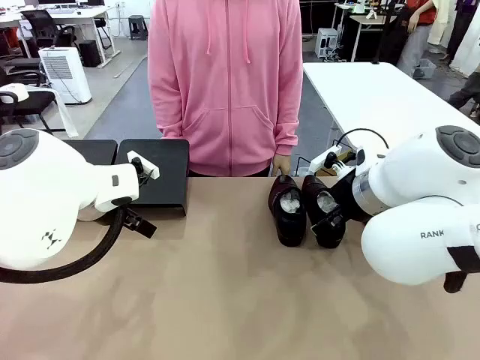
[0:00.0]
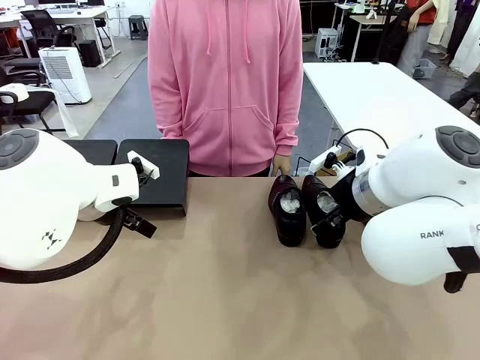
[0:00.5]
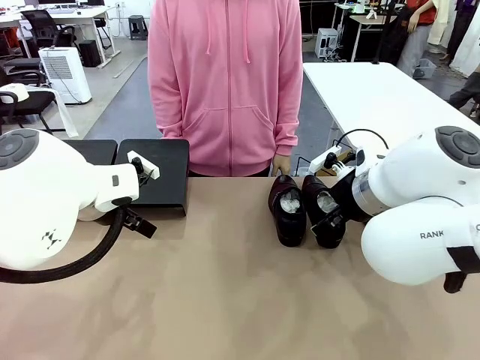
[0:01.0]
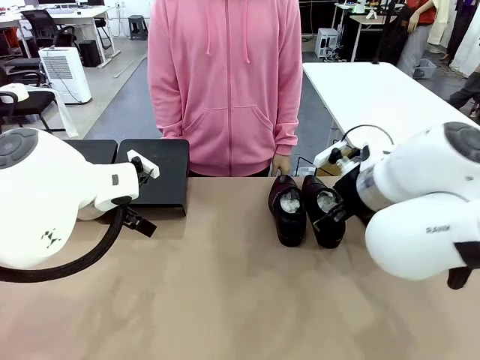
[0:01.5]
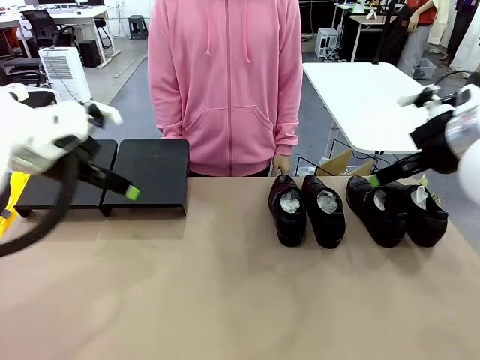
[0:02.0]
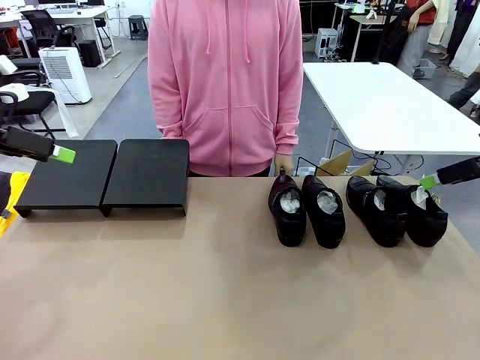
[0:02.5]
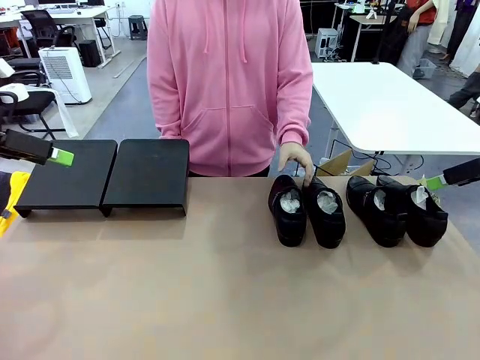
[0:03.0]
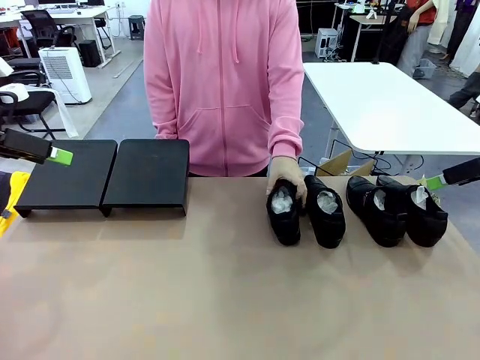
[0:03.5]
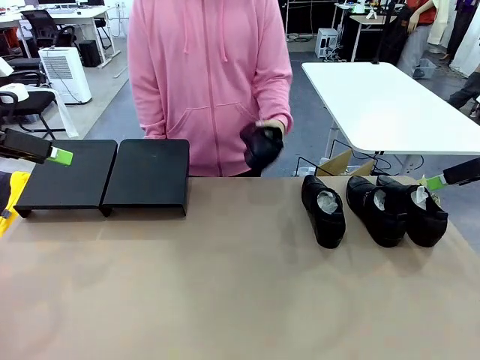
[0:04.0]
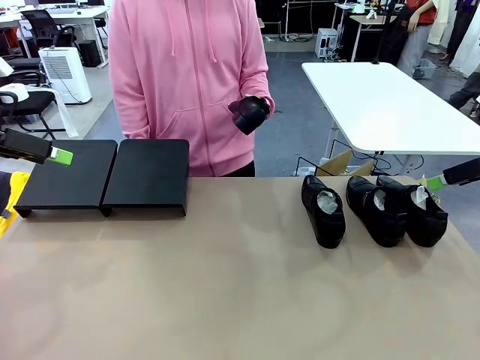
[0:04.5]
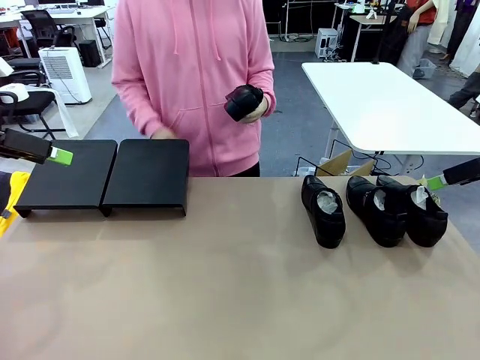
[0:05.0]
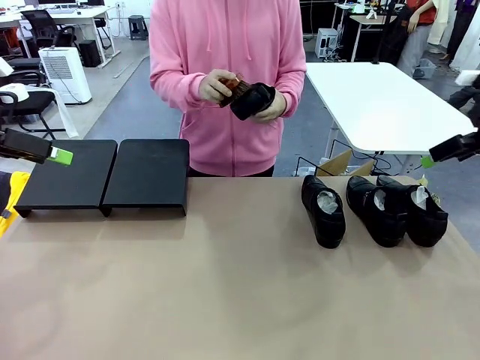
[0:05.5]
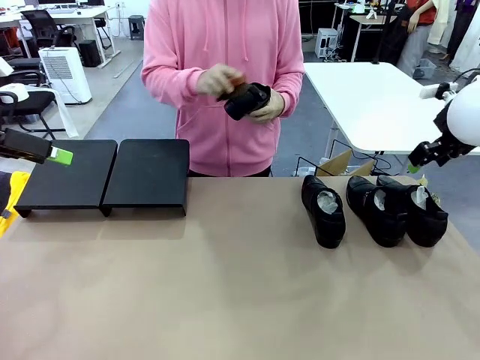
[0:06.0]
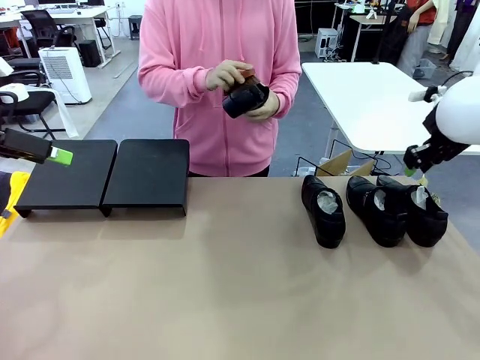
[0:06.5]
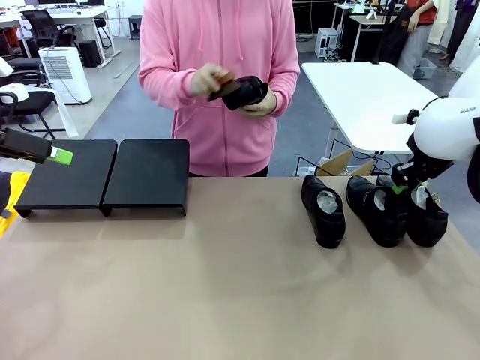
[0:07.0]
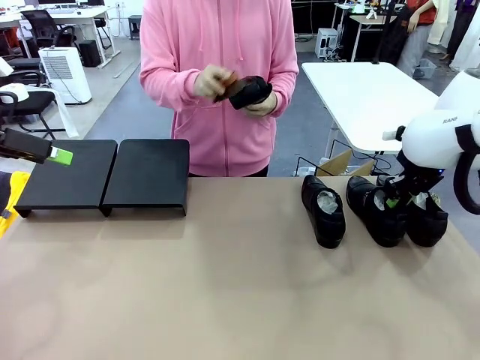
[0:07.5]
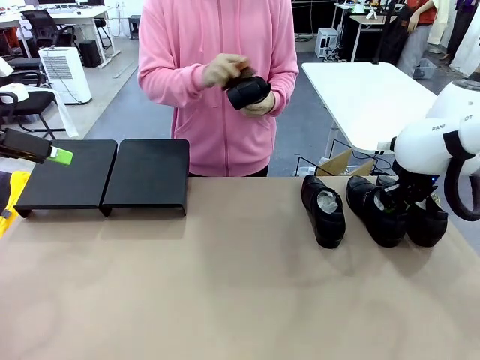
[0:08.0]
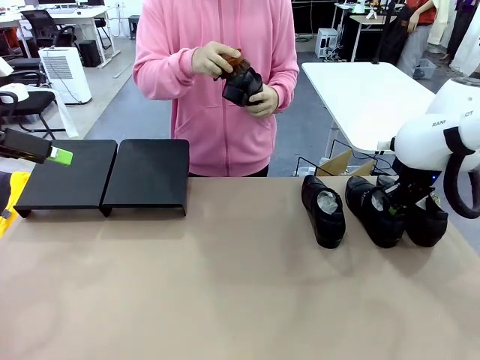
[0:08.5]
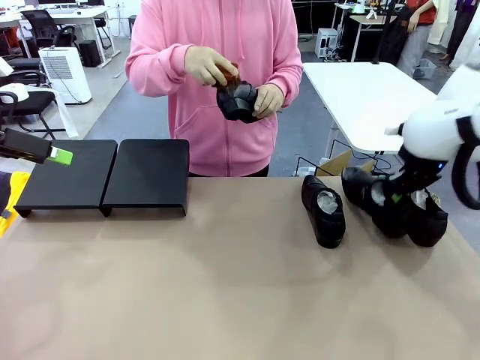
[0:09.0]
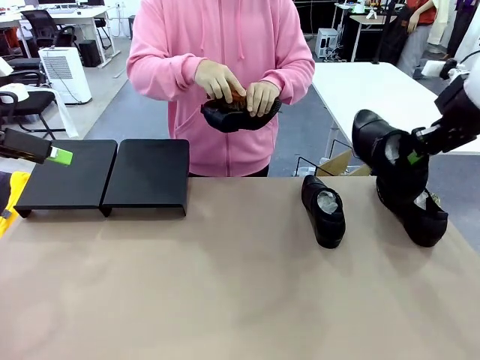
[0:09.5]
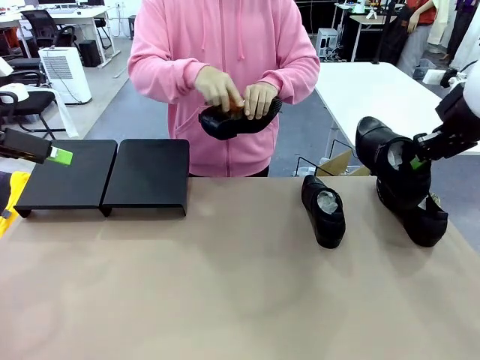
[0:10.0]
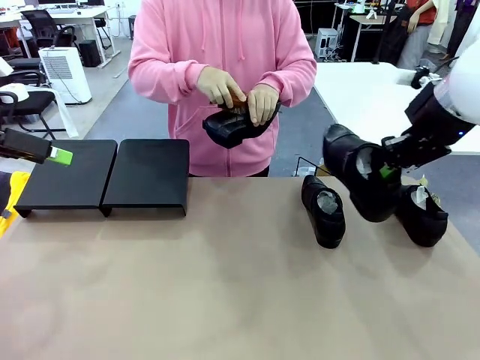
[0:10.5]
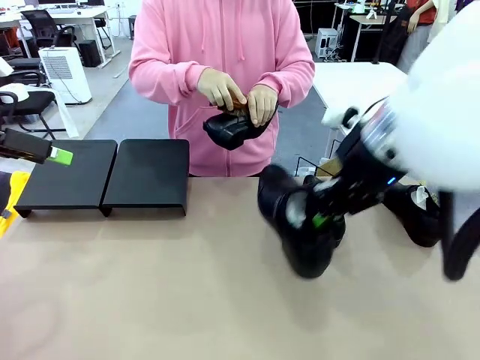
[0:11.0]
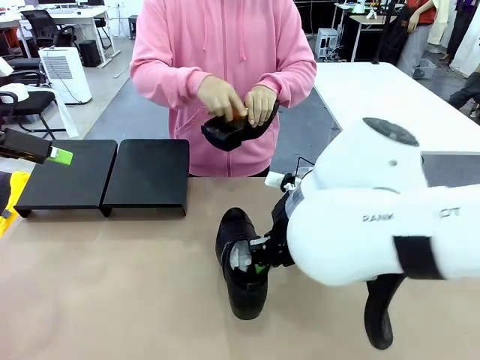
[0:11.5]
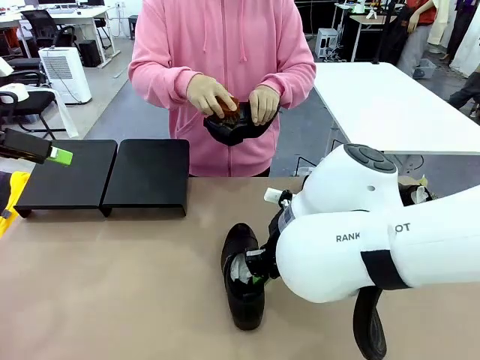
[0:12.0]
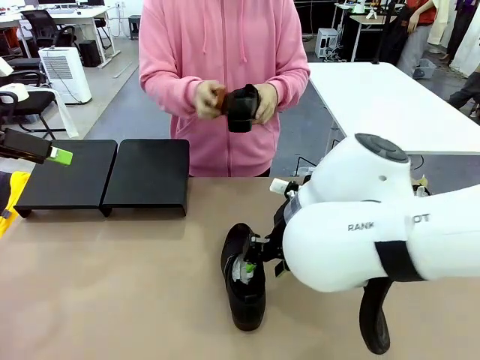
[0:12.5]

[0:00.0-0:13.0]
Task: Organize the shoes by placing them on the stand.
Robot: Pick up one Shoe and place it in the middle of the table.
Person: Pick one Shoe on Robot's table.

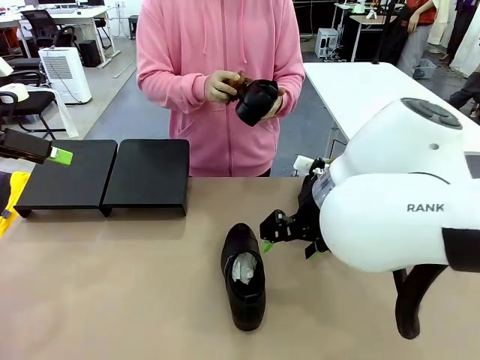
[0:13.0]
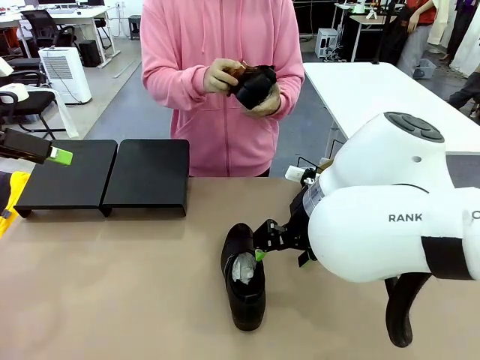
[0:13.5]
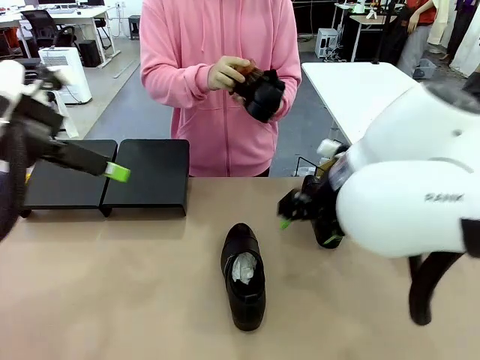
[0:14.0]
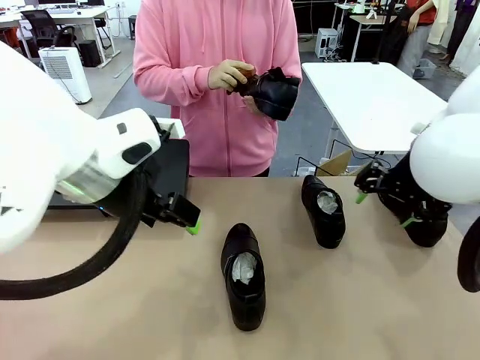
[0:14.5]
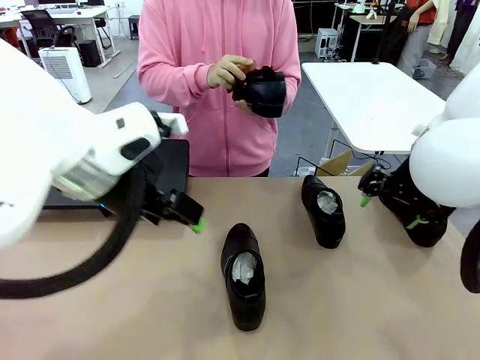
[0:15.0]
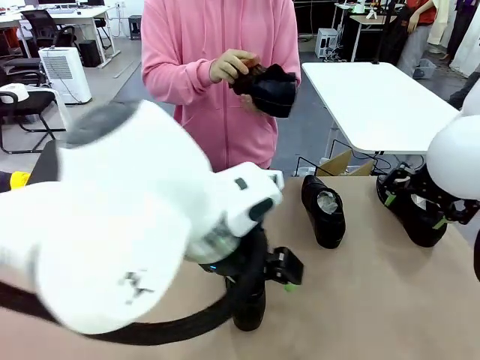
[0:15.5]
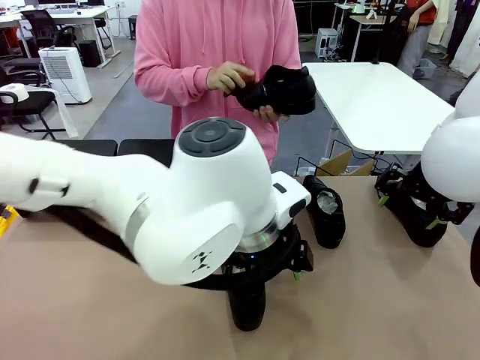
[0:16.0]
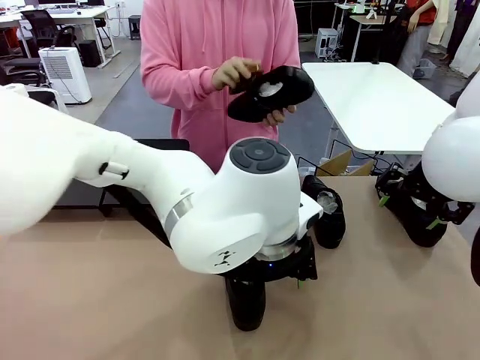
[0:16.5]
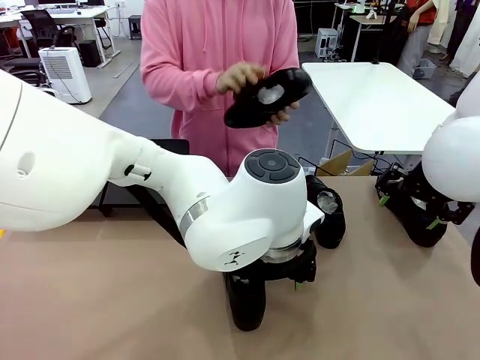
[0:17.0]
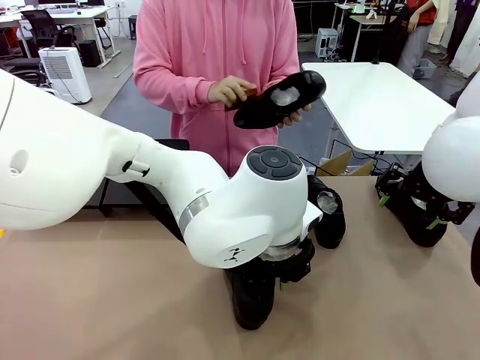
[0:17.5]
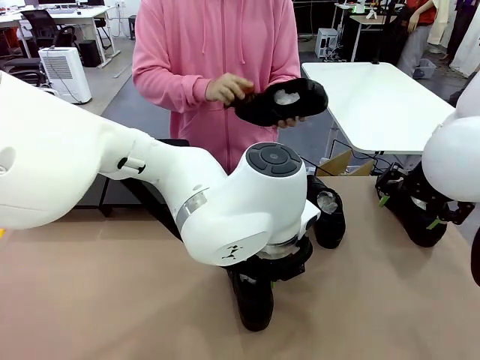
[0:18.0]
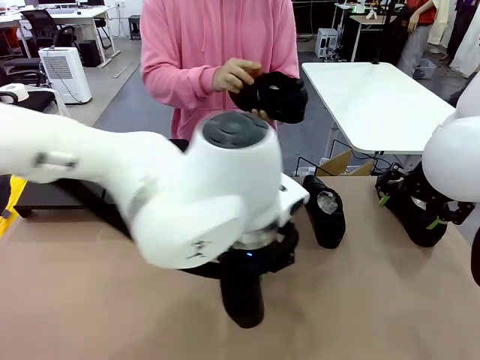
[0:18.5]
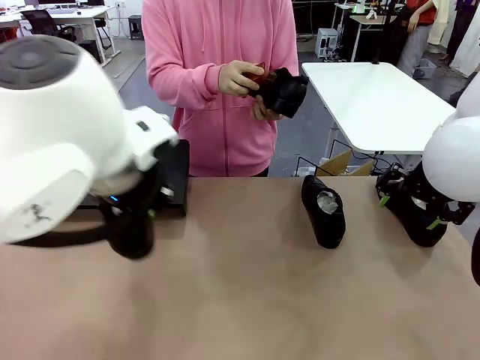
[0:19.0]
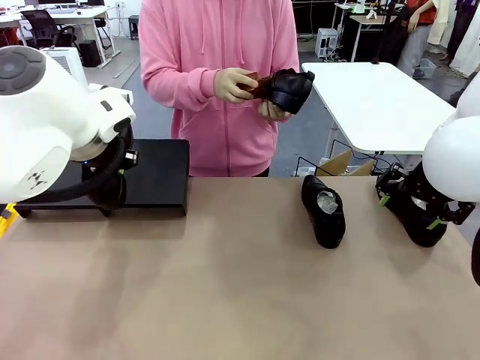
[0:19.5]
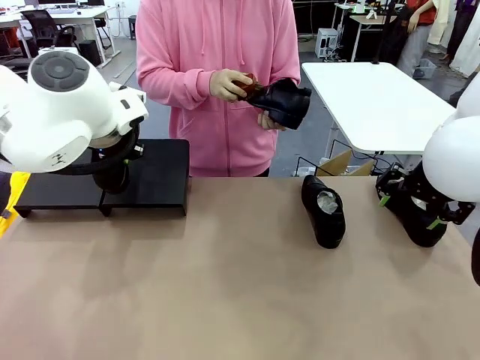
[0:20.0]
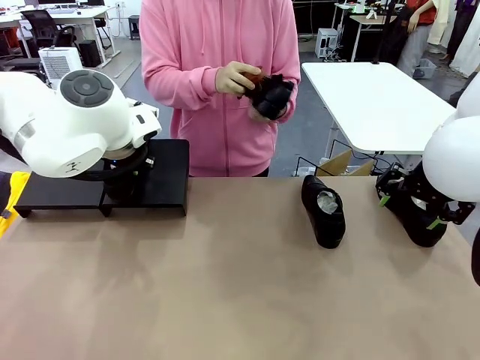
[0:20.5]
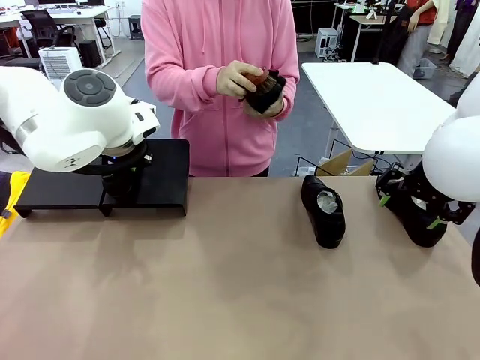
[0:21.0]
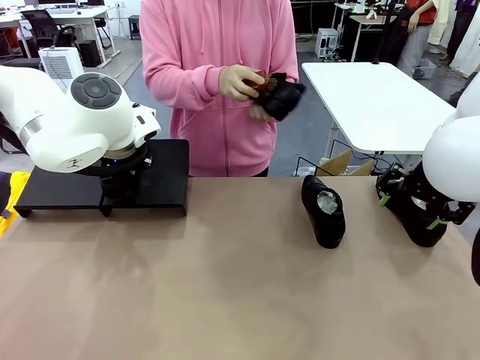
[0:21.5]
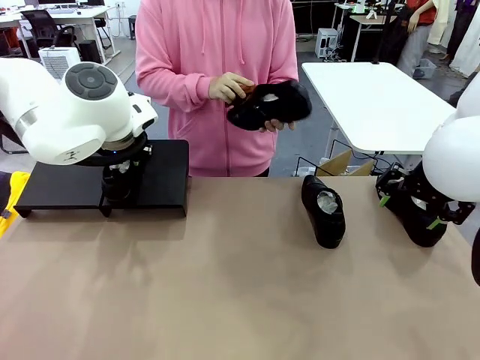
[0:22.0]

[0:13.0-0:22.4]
Robot: Place the Shoe from the middle of the table onto the Shoes Stand.

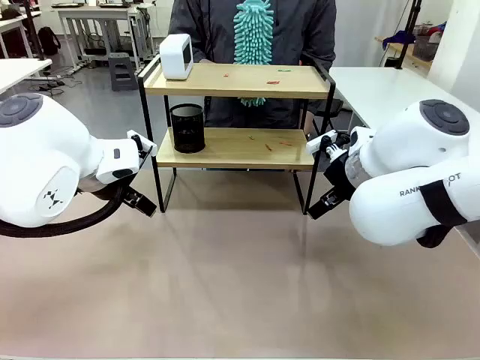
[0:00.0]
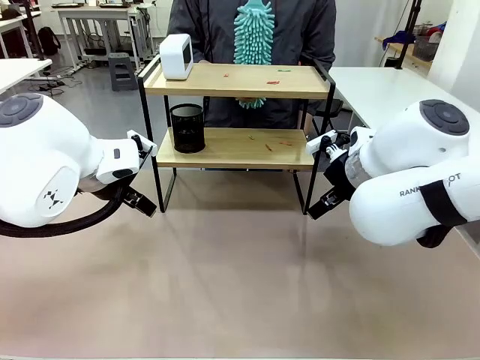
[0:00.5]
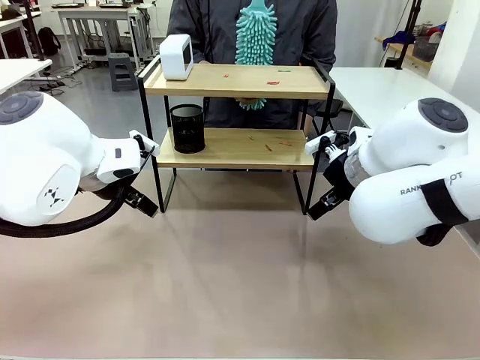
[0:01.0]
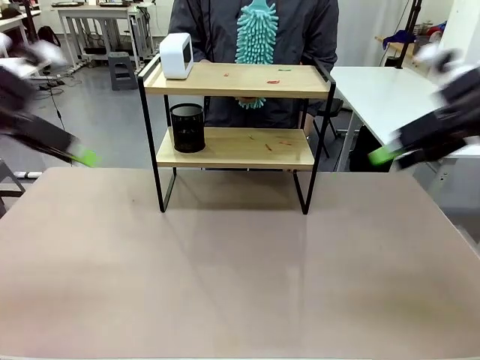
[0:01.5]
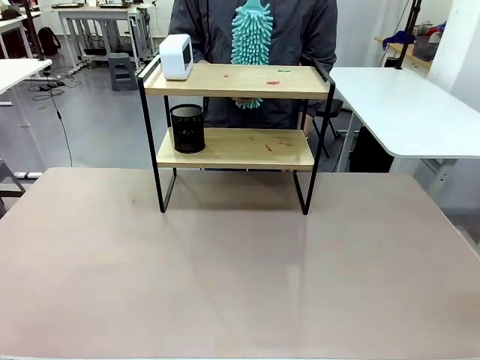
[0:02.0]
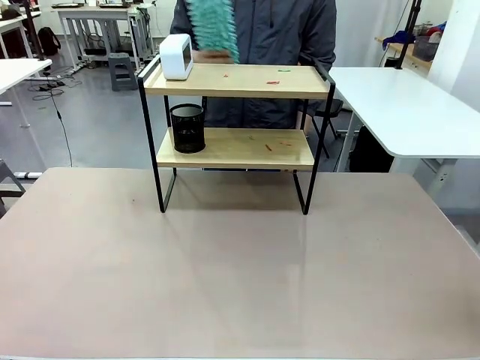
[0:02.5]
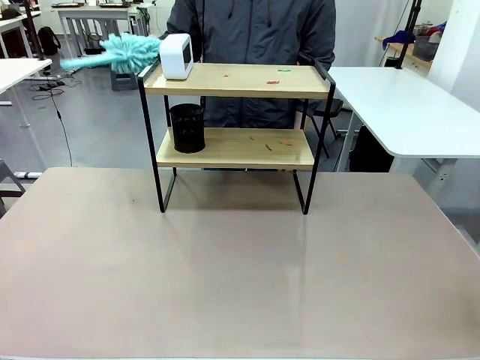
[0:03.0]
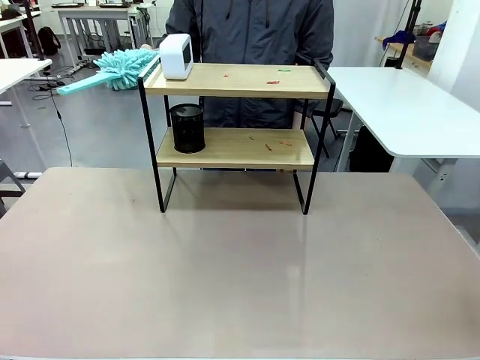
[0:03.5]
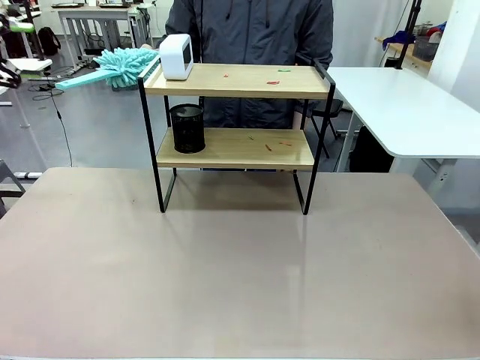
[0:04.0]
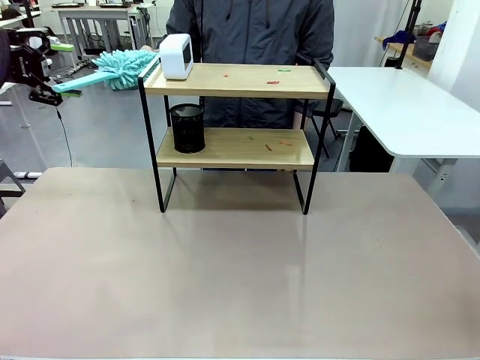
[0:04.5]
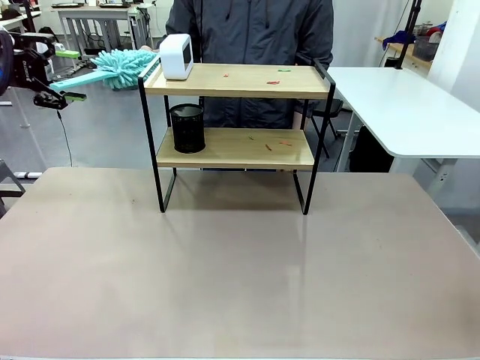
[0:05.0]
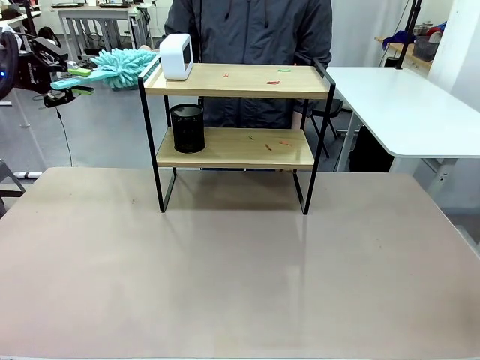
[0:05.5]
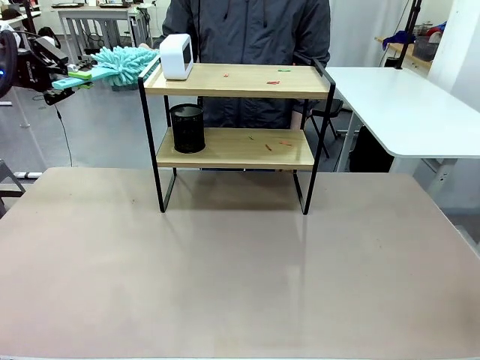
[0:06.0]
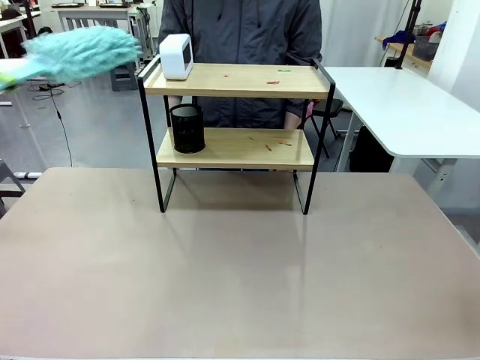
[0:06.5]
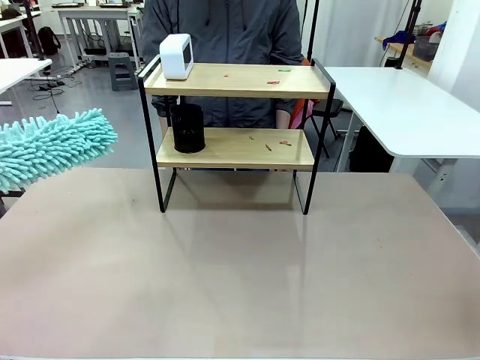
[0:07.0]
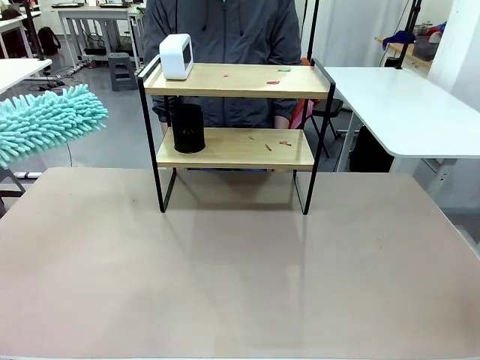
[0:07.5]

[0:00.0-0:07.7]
Task: Clean the shelf.
Robot: Pick up the Duster from the human.
Person: Hand the Duster to the robot.
